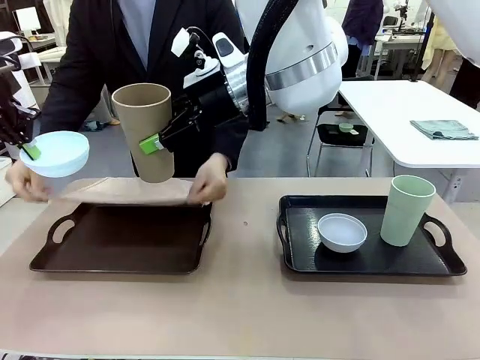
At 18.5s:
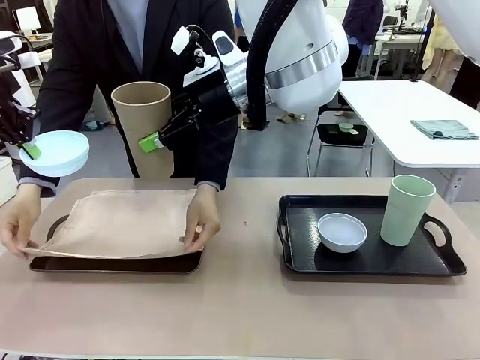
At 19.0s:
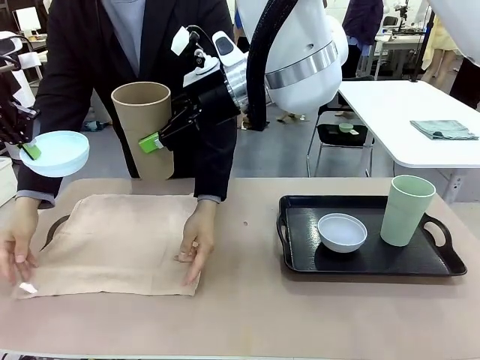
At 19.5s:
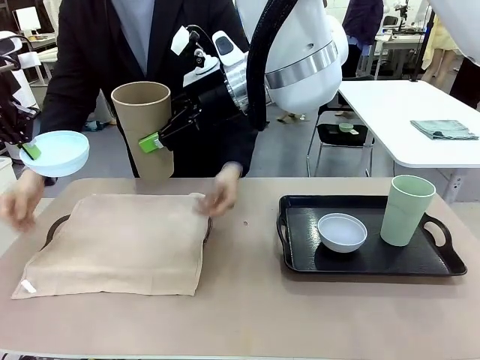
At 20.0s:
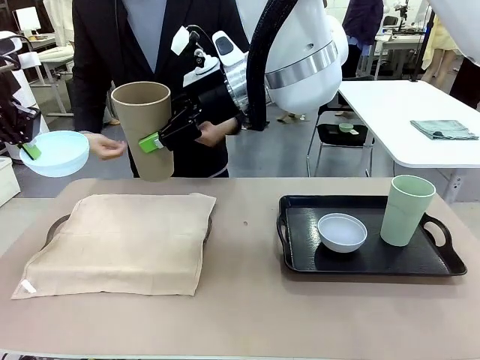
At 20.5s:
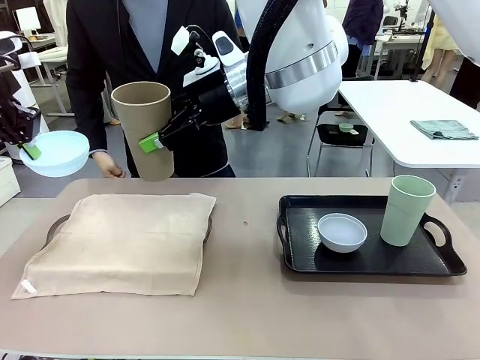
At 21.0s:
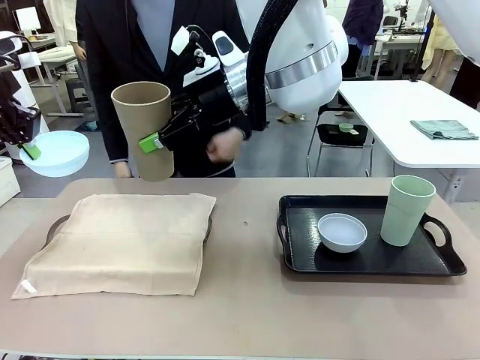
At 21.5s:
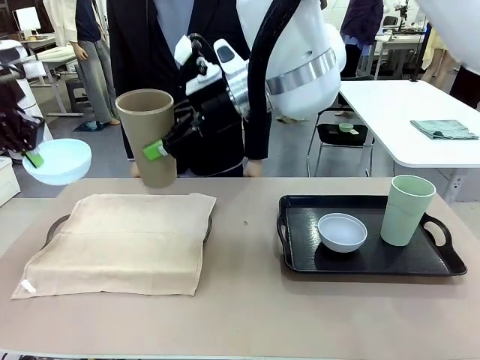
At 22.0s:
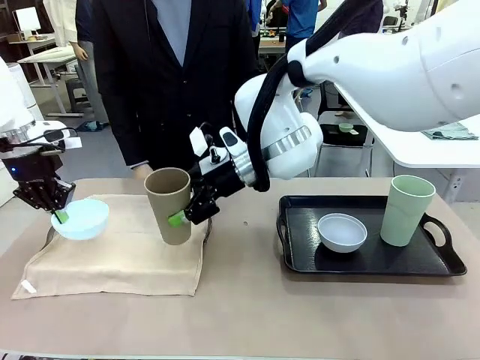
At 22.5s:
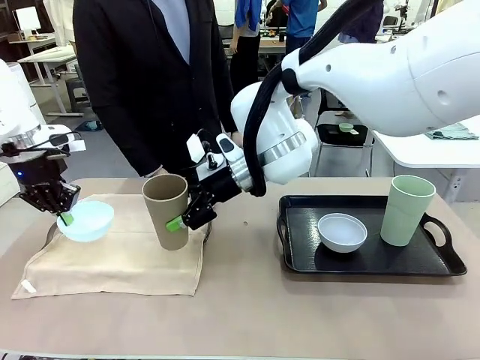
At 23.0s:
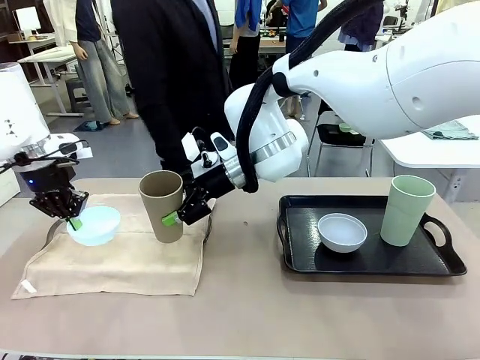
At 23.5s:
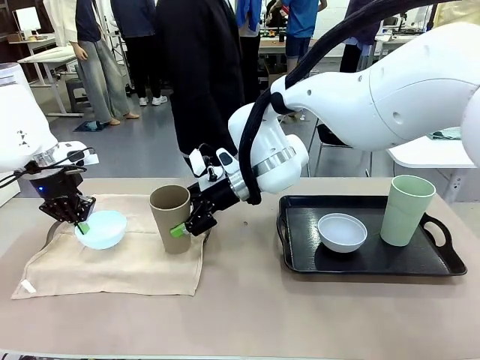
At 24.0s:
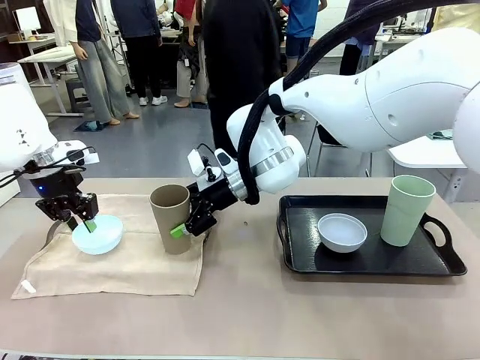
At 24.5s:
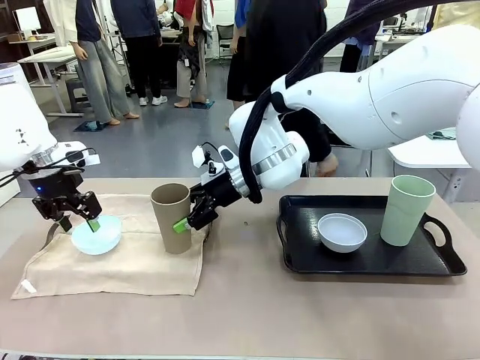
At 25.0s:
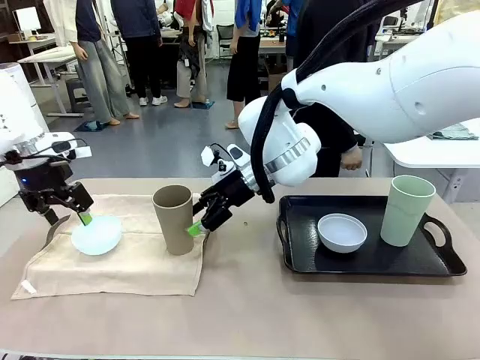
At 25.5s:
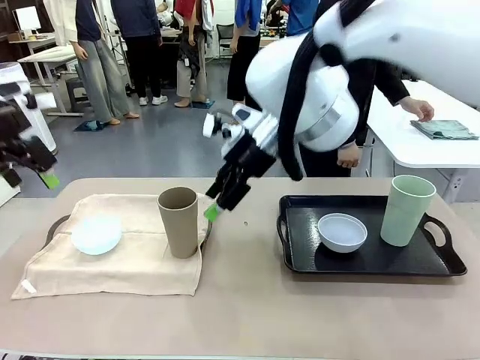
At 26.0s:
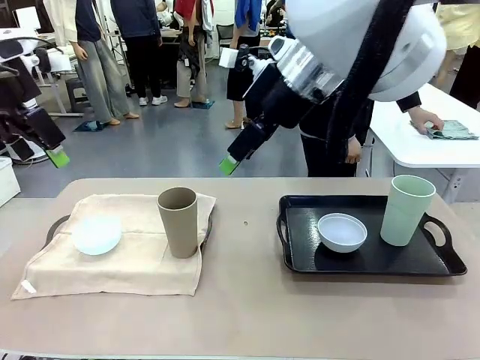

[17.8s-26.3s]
Robot: Place the Picnic Bowl and Reusable plastic cup back onto the Handle tray in front of the human's position.
Person: The human returns to the human table to pick up another napkin and walks to the robot table to stand in front of the tray without a napkin.

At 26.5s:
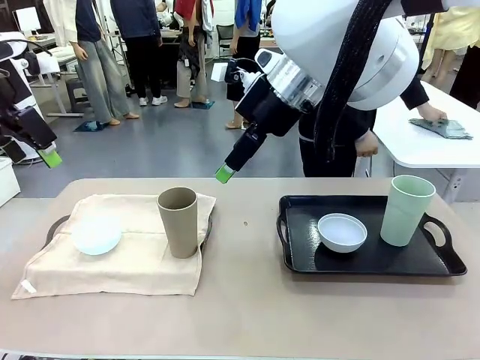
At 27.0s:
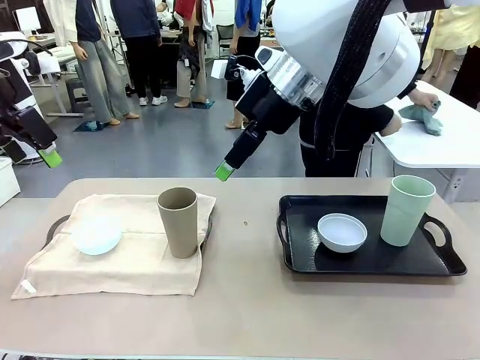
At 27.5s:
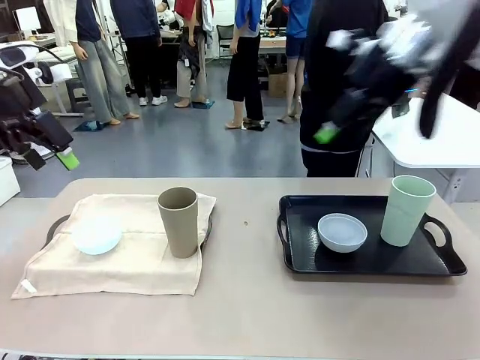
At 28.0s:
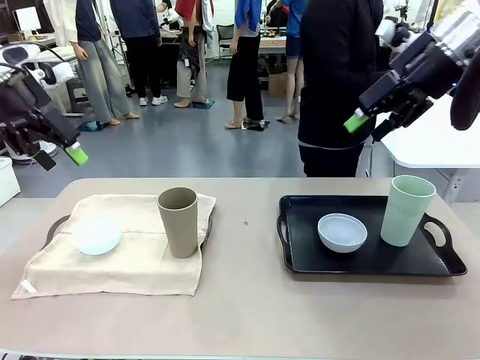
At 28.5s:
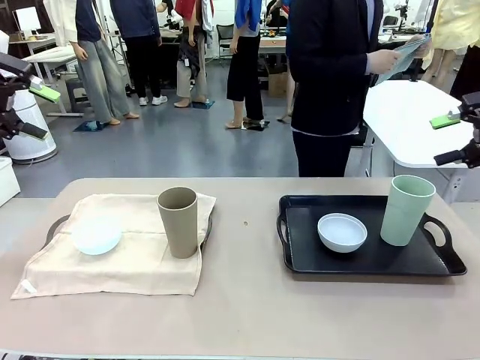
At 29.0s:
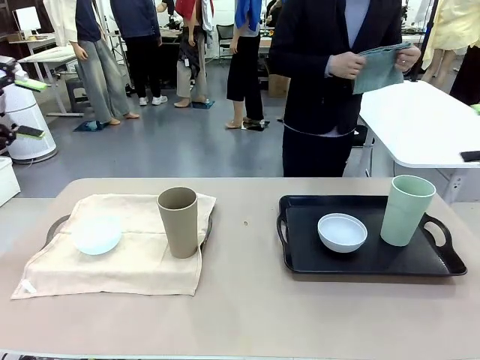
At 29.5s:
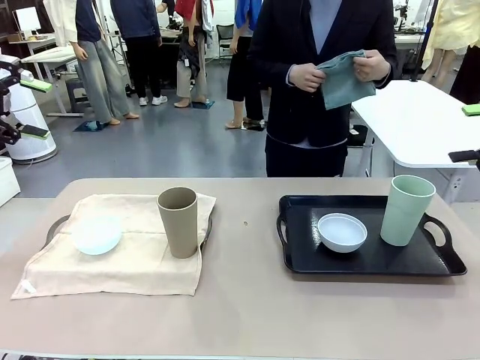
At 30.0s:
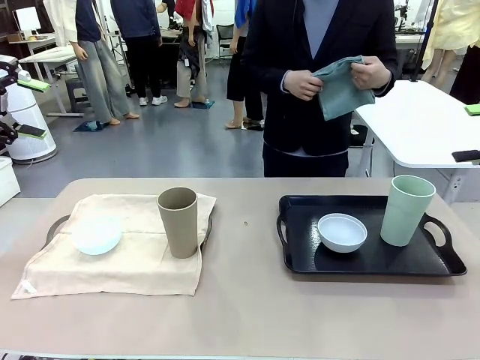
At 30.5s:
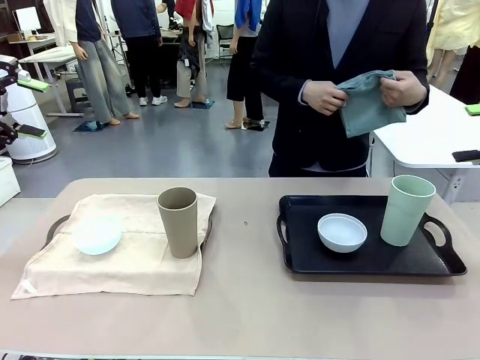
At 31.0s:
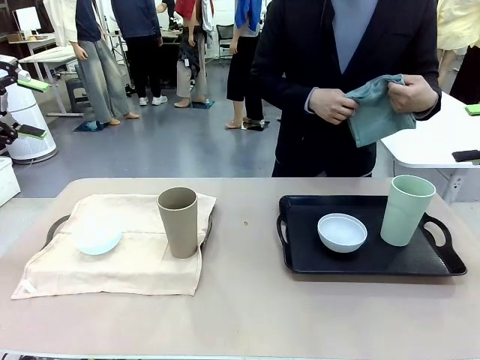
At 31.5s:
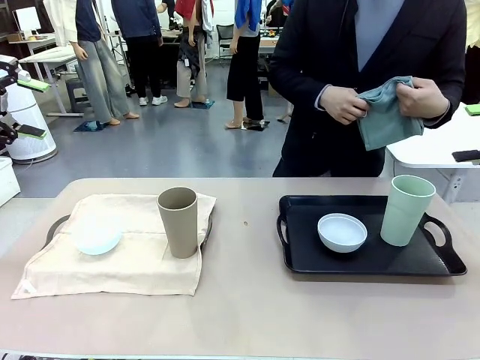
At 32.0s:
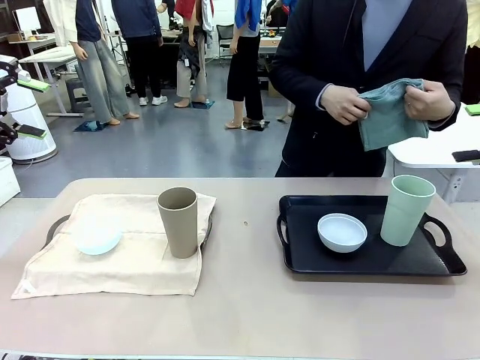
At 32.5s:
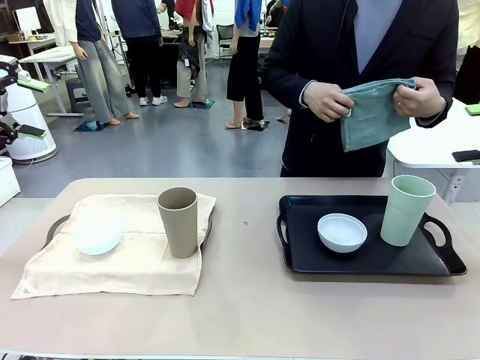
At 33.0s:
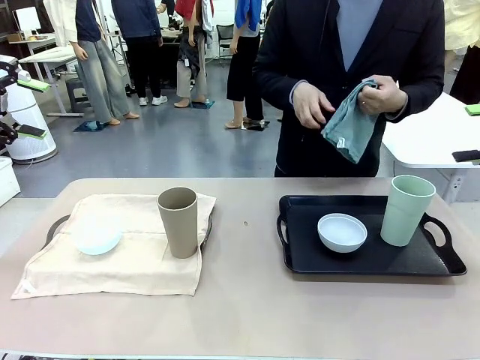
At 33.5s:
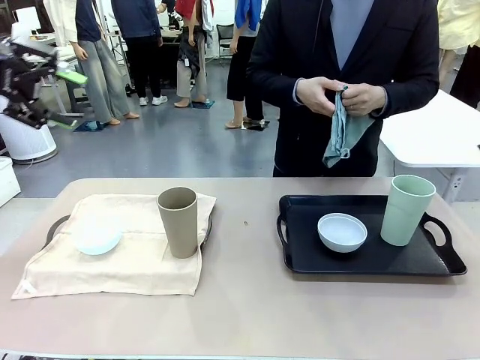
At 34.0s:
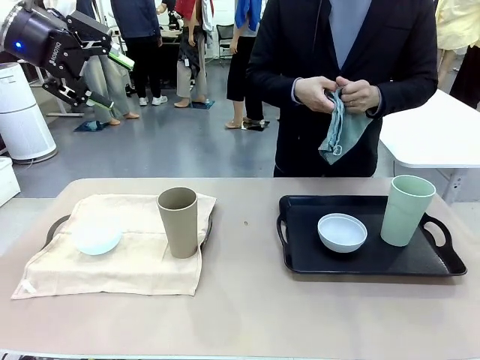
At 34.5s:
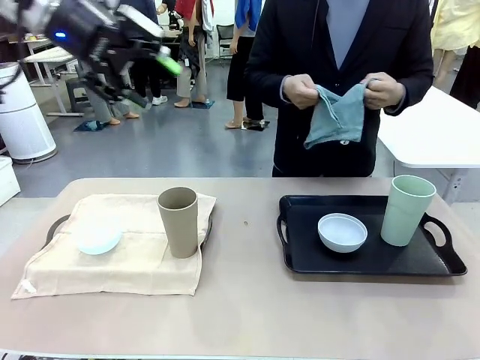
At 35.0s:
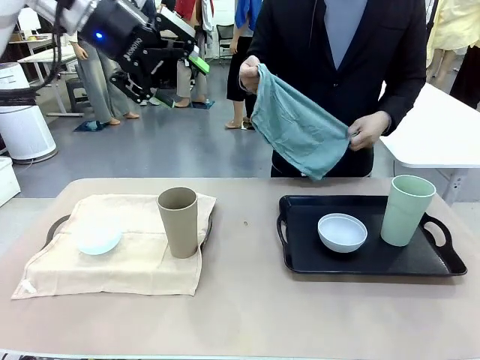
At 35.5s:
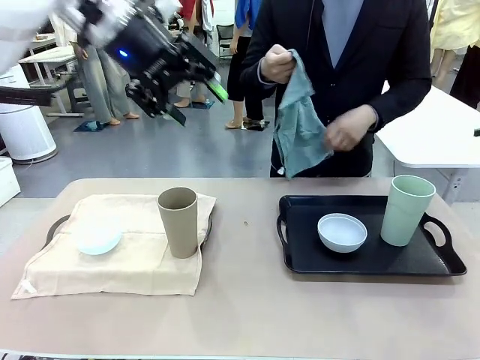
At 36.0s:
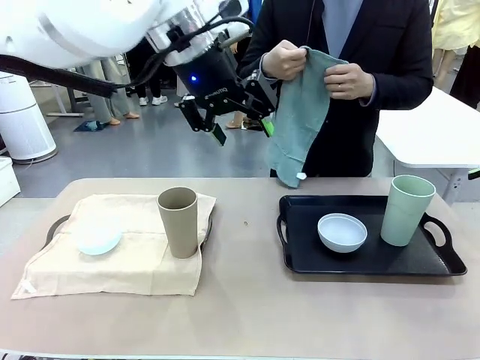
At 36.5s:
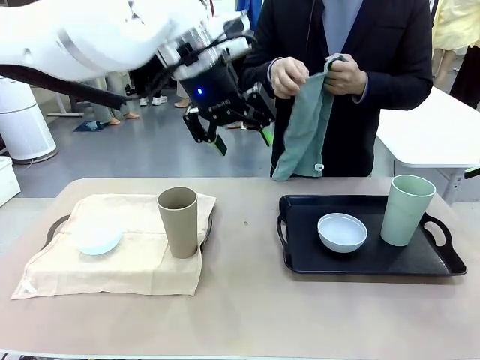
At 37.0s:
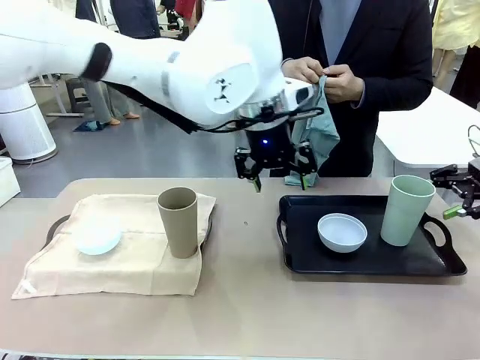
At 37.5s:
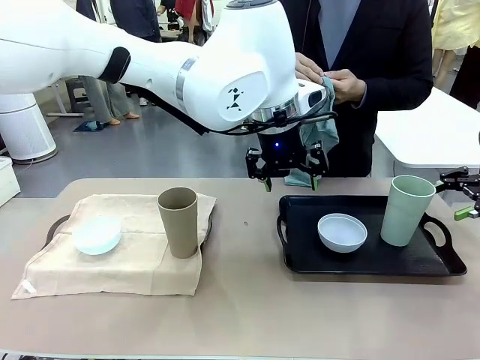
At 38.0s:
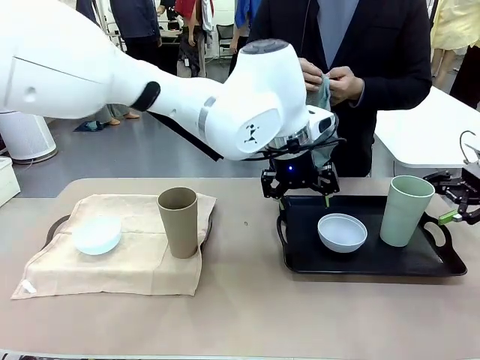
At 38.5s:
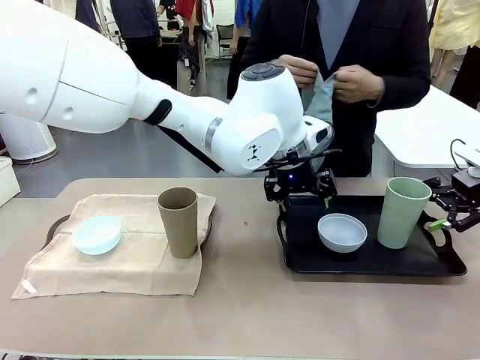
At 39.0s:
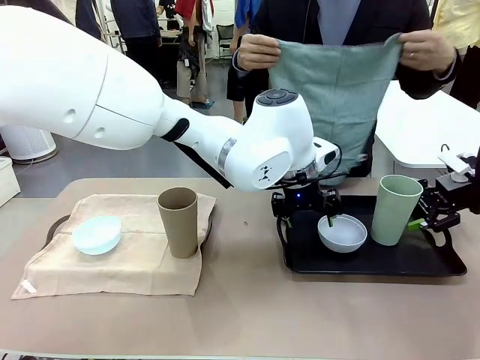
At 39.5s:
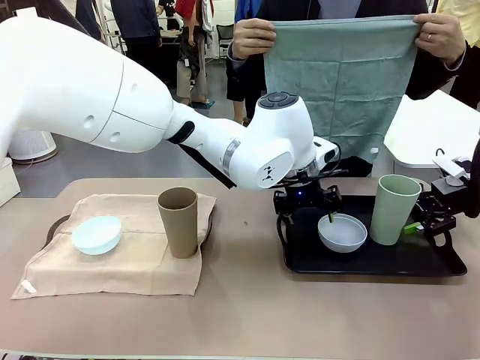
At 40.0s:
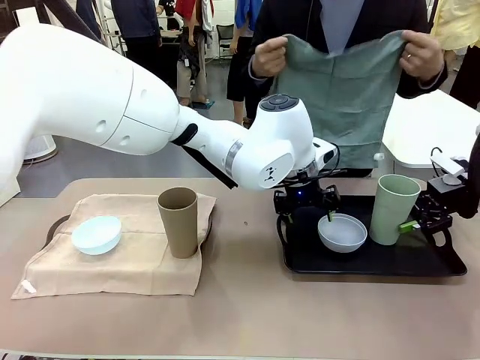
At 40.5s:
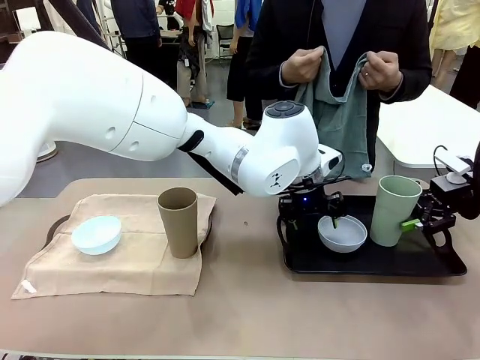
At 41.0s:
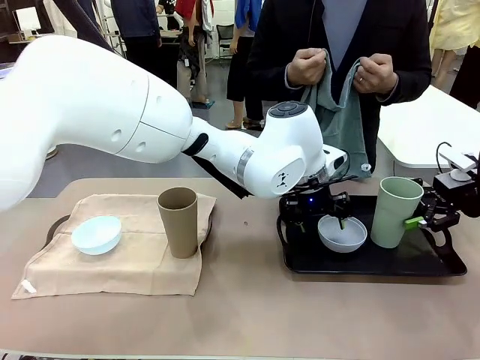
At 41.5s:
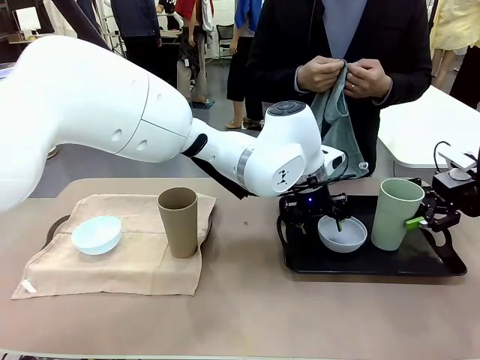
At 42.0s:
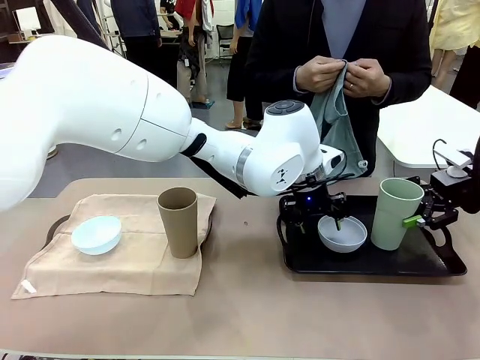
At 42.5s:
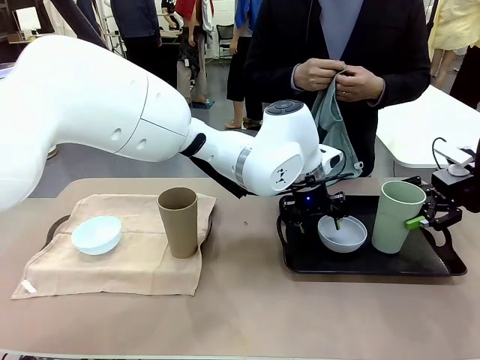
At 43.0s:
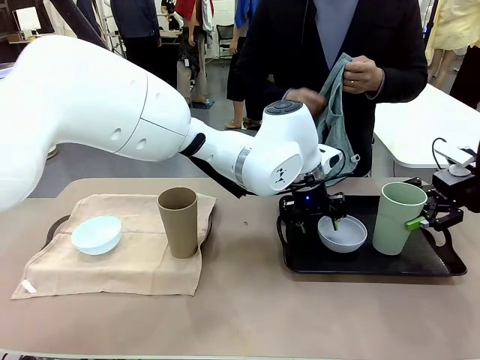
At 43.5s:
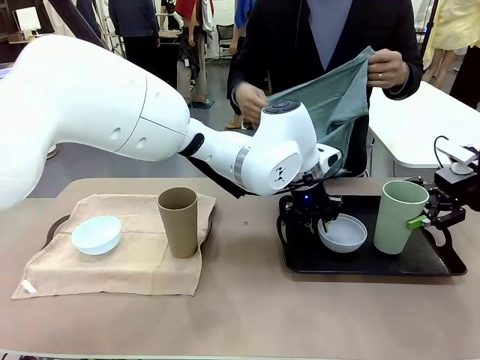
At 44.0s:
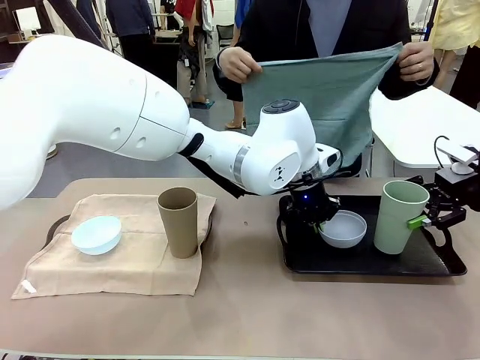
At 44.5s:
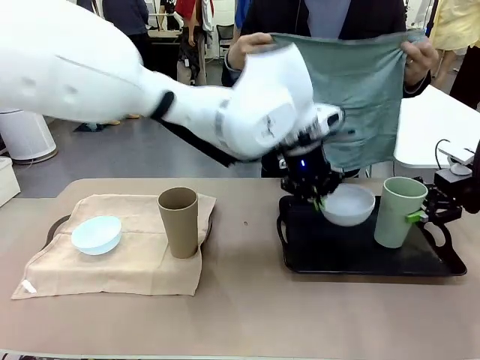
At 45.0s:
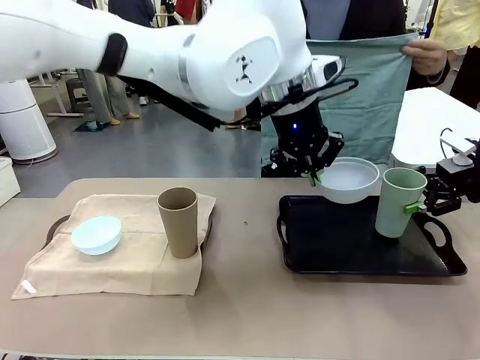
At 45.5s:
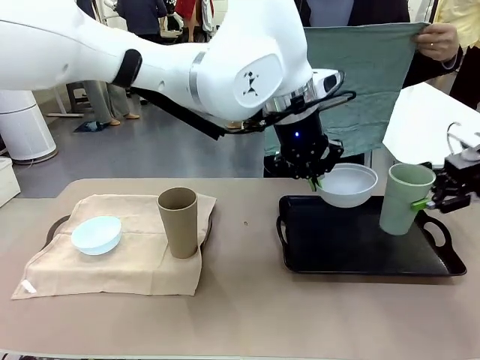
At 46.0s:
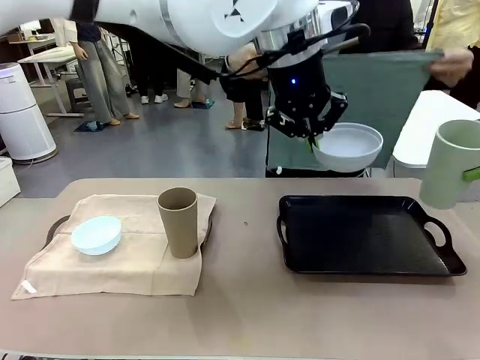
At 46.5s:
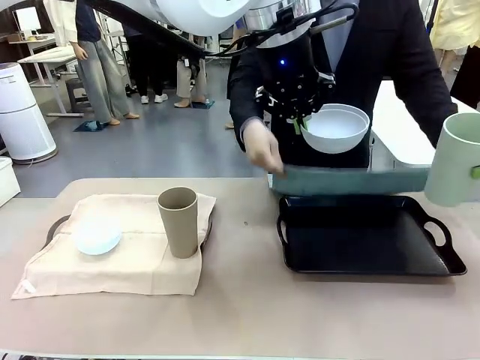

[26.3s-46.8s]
Robot: Pick up the Picnic Bowl and Reusable plastic cup from the Handle tray in front of the human's position and hold them in the air.
Person: When the robot lifts the bowl and the cup, the human unfolds the napkin and lays the napkin flat on the tray.
